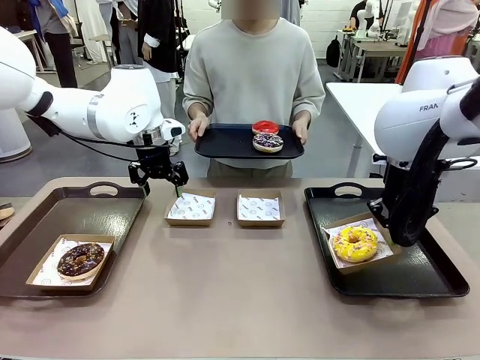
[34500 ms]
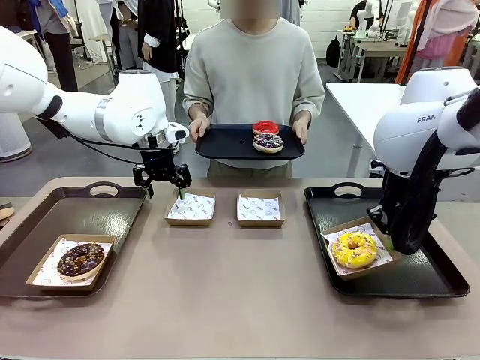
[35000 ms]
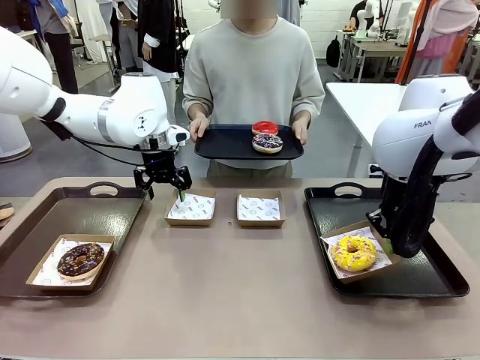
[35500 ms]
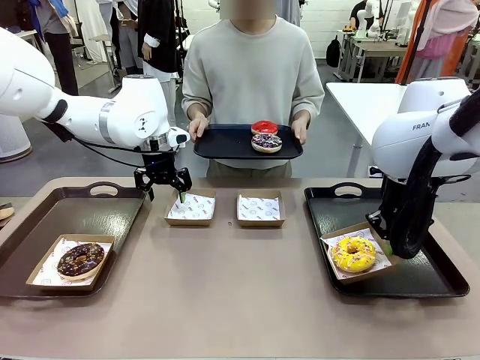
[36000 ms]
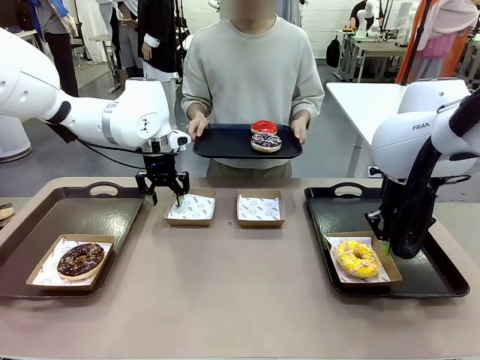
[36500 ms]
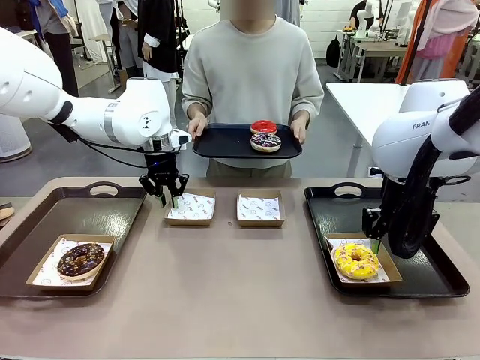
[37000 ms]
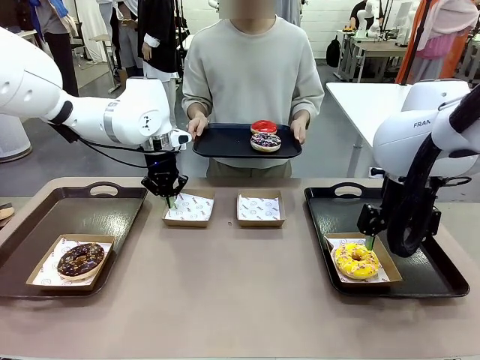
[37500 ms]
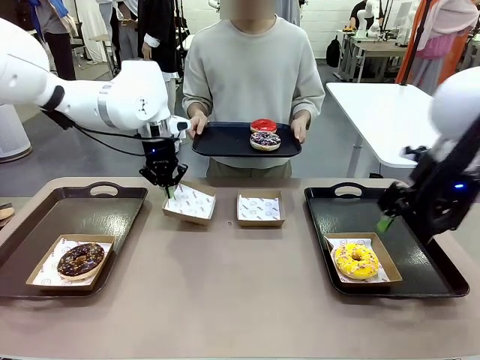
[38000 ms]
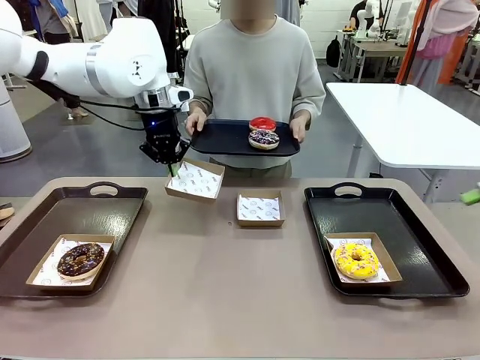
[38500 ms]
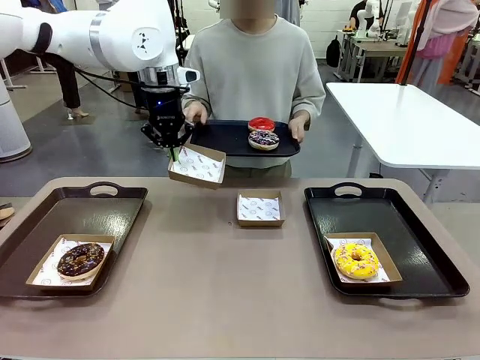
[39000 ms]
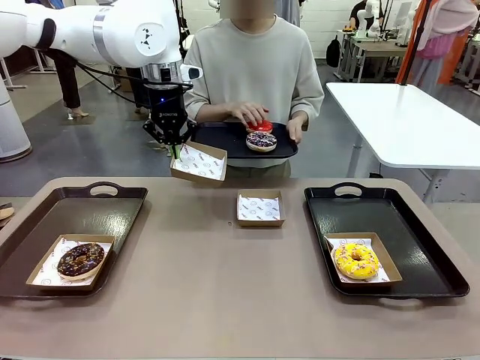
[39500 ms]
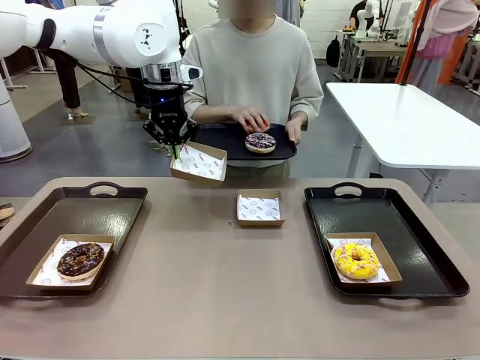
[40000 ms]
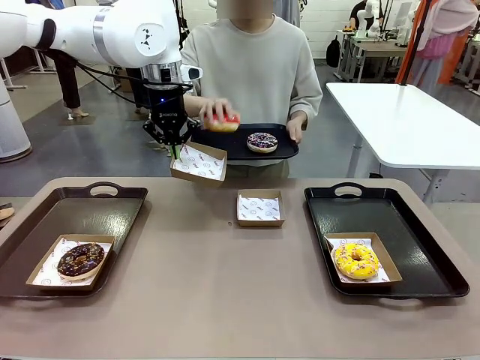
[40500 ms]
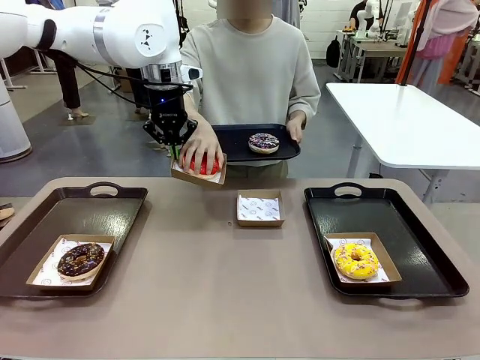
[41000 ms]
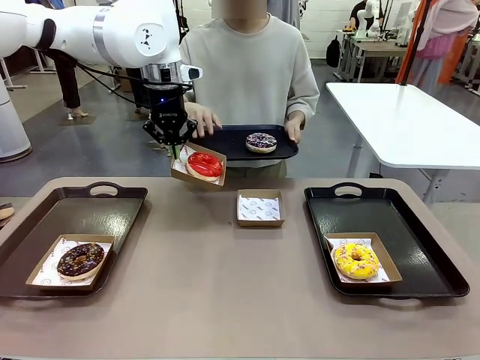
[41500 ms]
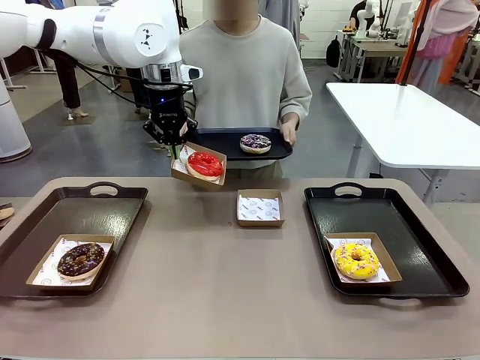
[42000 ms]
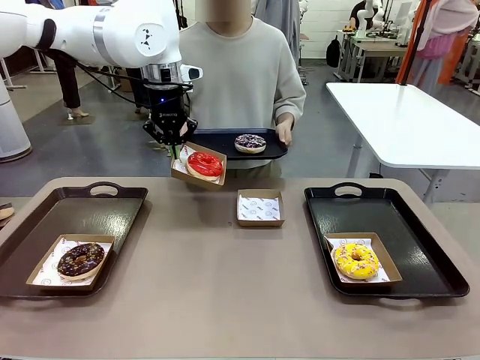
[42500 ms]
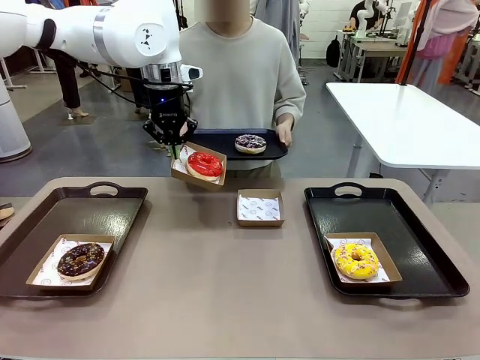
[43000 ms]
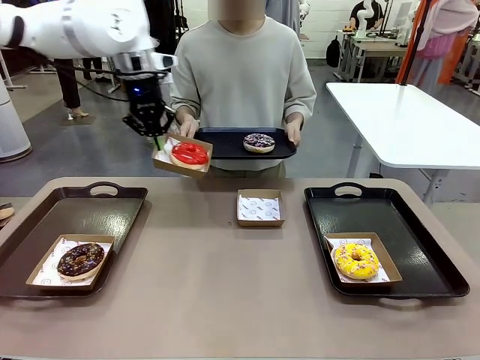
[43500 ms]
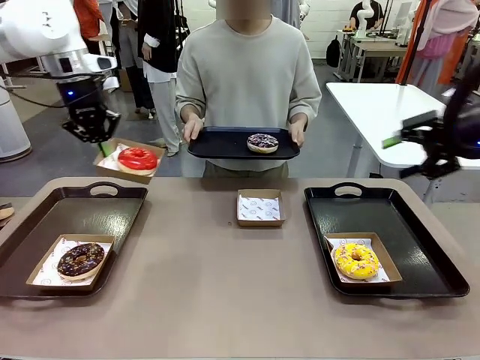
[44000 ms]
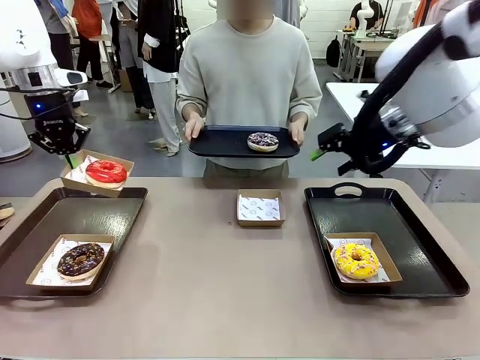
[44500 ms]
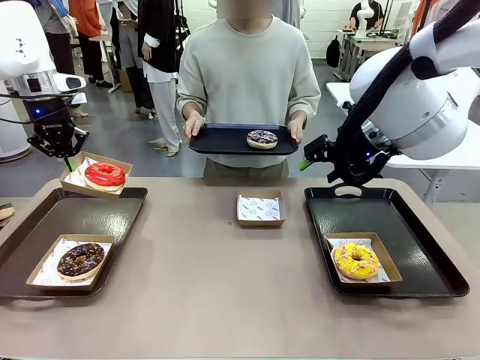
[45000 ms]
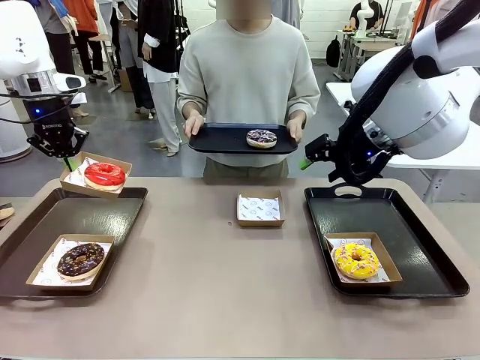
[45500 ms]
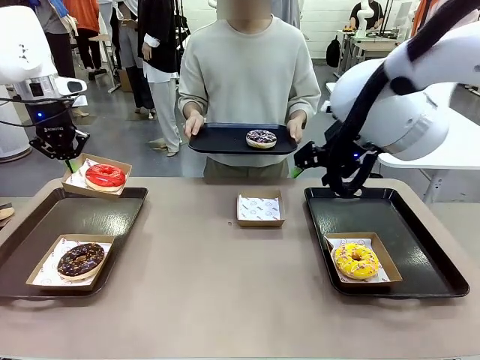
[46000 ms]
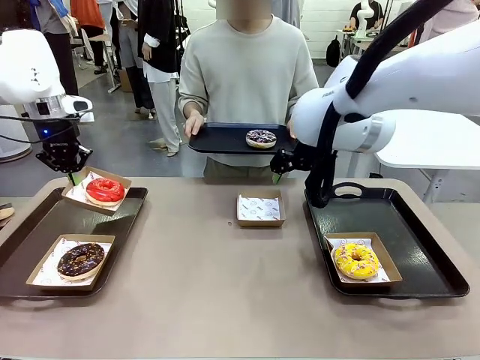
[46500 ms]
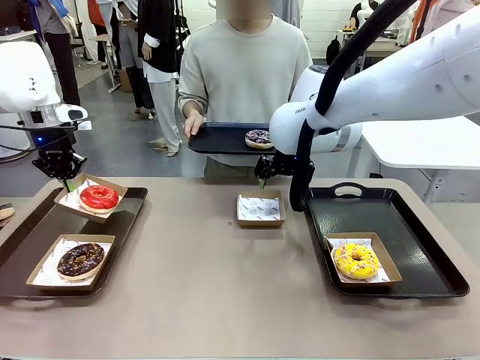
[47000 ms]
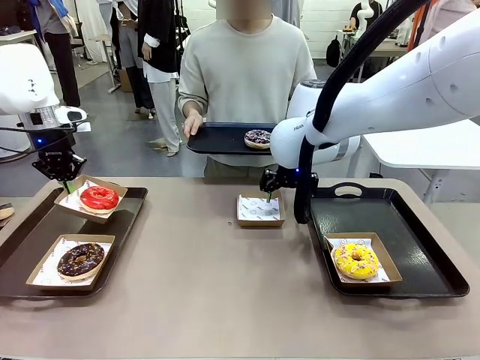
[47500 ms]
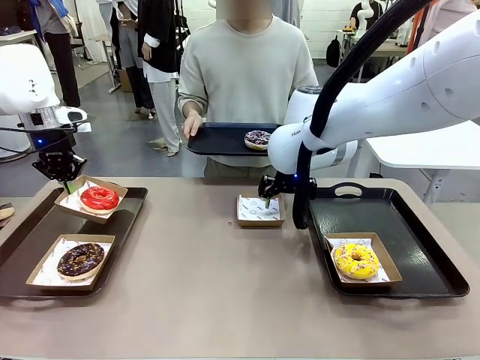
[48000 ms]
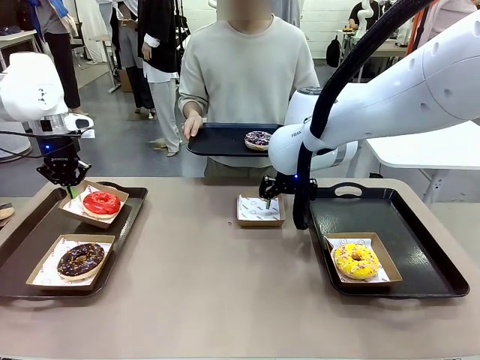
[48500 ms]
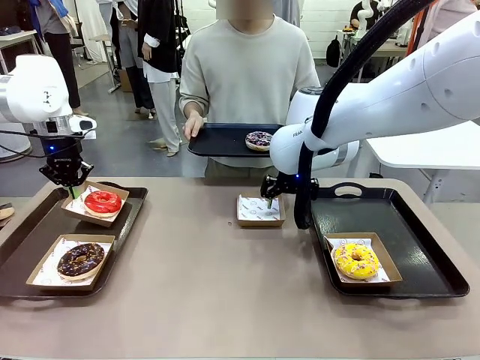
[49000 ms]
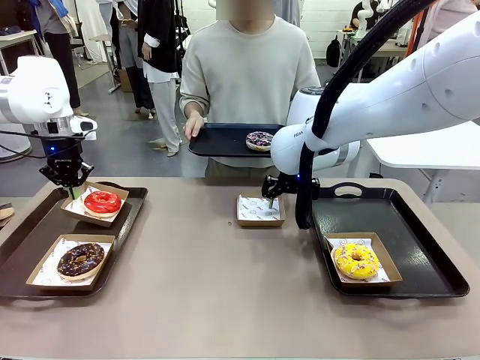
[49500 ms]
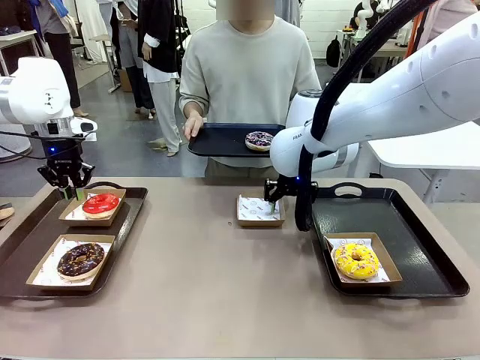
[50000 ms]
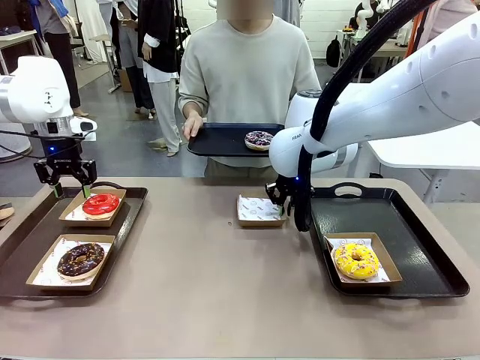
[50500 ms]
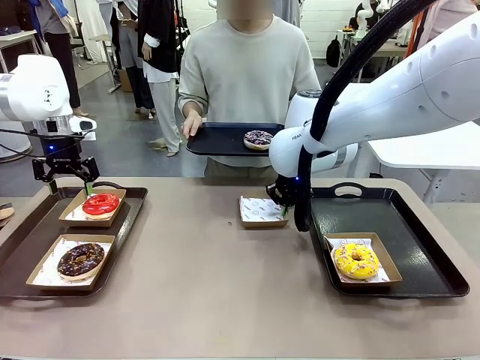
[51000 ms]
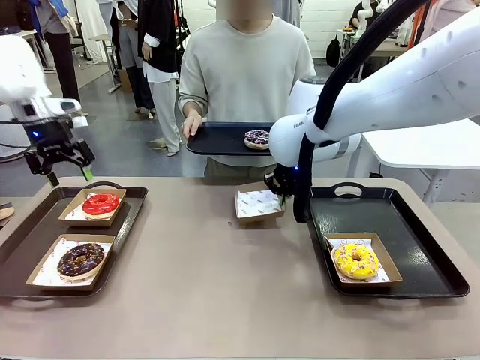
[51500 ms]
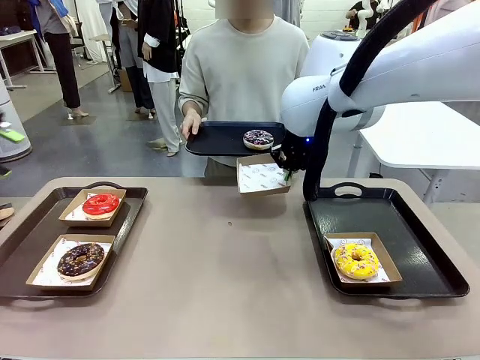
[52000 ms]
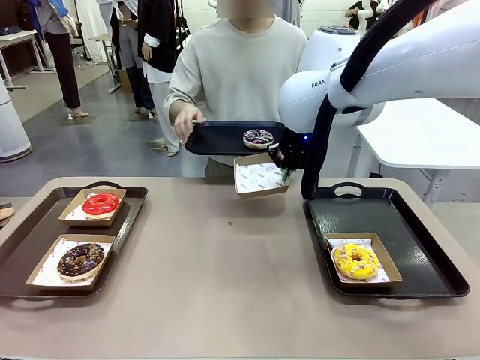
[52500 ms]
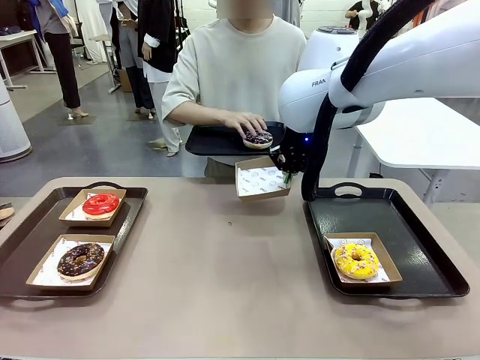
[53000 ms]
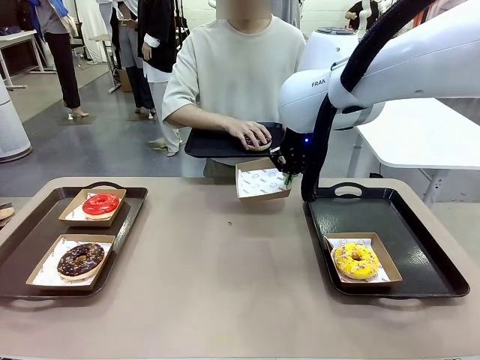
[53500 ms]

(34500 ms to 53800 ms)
Task: Individually package the donuts and arrange them on the tray.
Robot: Place the picked Paper togo box on the Handle tray while simultaneously picking up another Paper togo box from the table with the other hand.

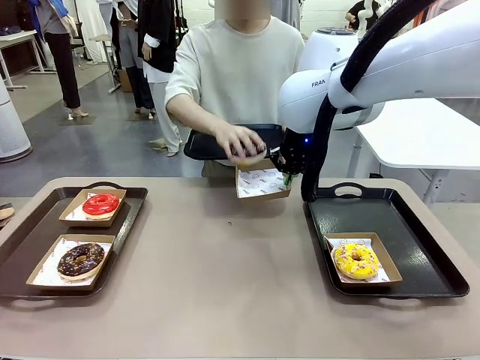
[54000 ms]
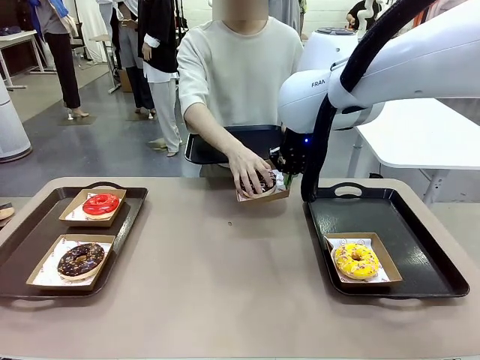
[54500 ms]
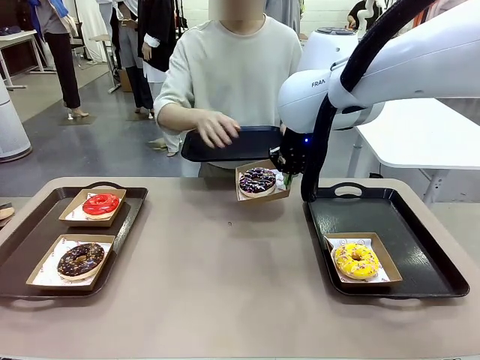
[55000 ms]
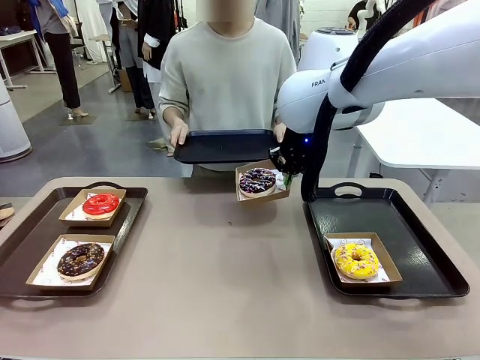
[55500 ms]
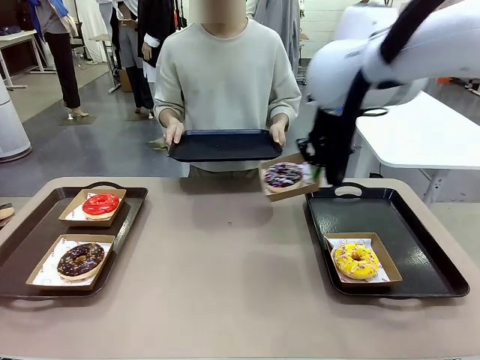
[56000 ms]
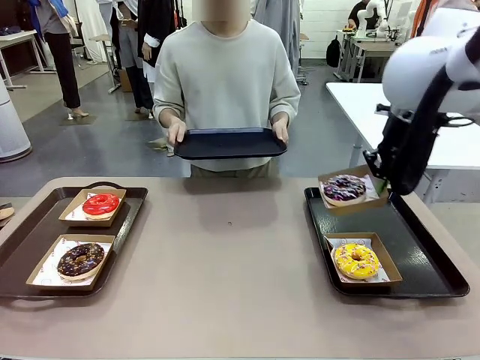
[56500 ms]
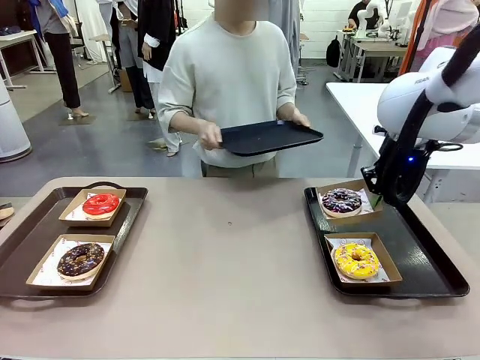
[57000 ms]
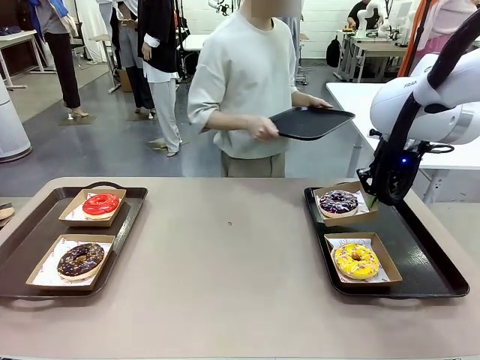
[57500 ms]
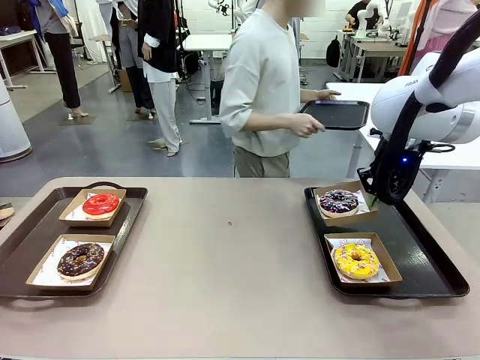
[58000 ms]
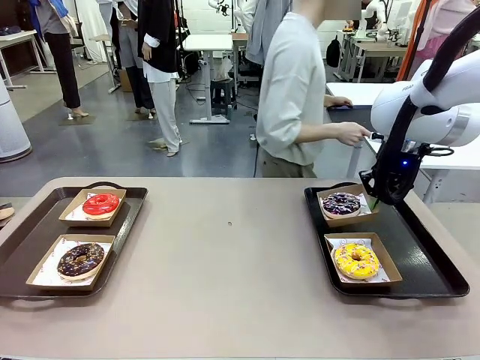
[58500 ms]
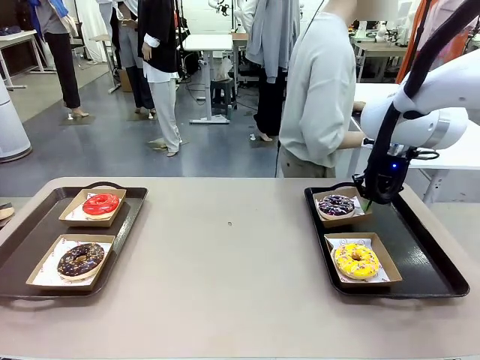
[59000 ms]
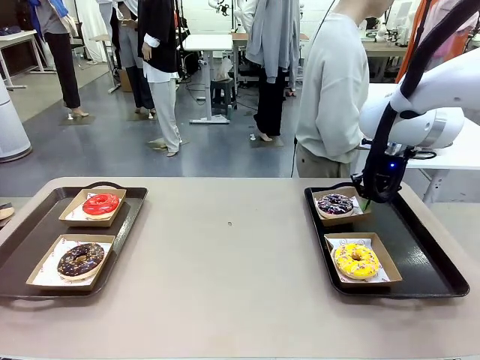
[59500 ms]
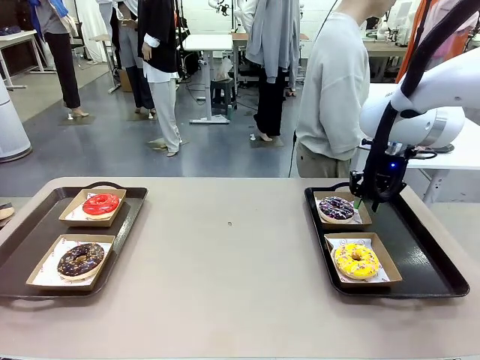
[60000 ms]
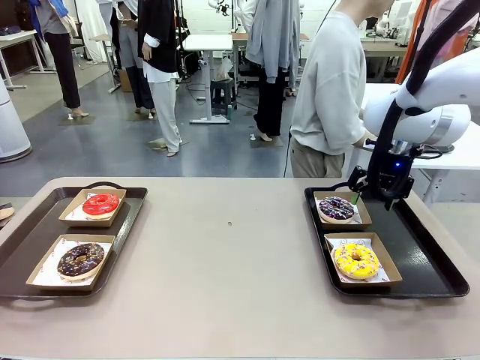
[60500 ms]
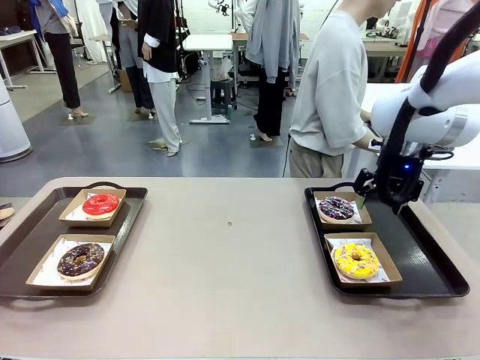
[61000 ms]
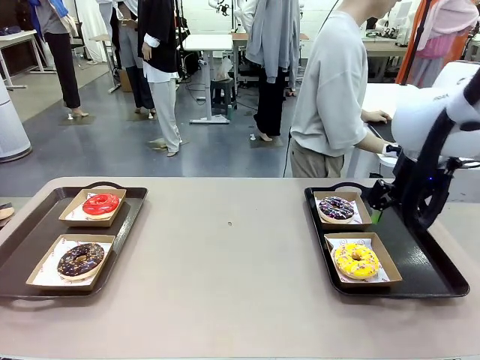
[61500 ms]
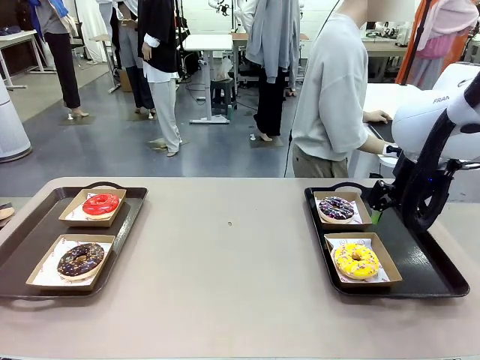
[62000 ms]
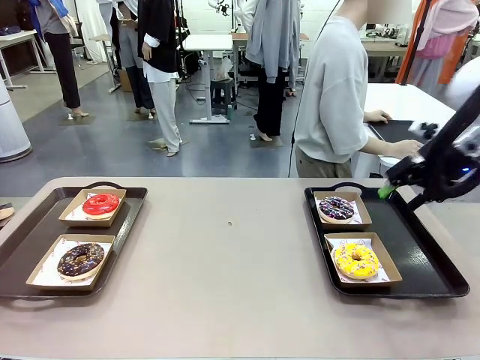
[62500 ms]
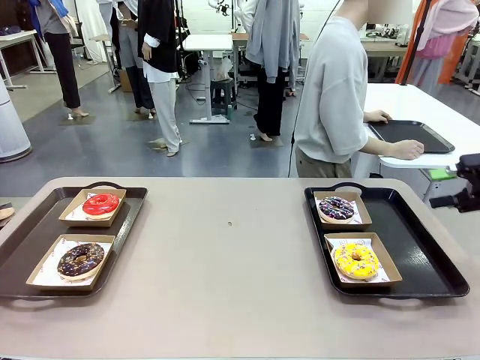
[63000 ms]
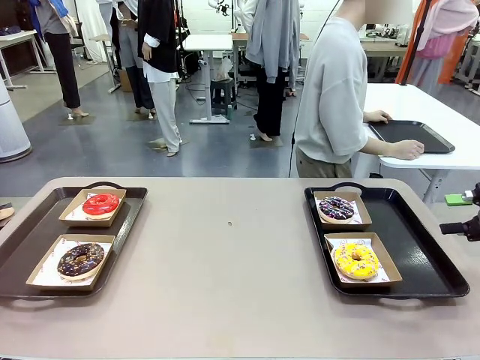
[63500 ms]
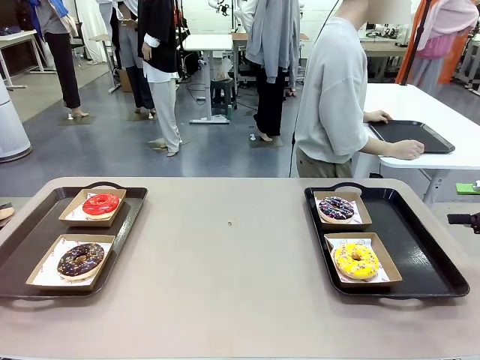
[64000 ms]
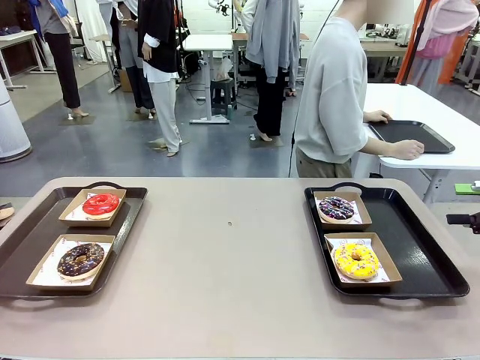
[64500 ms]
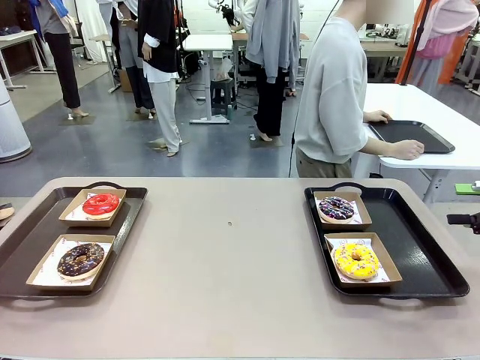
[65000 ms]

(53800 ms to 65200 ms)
Robot: Place the picked Paper togo box on the Handle tray.
Person: Place the tray down in the middle of the human table.
